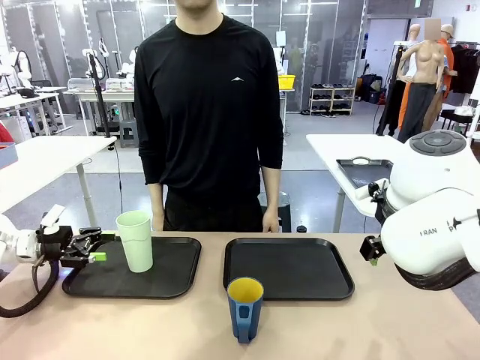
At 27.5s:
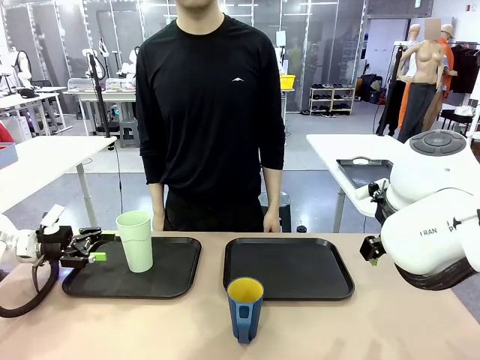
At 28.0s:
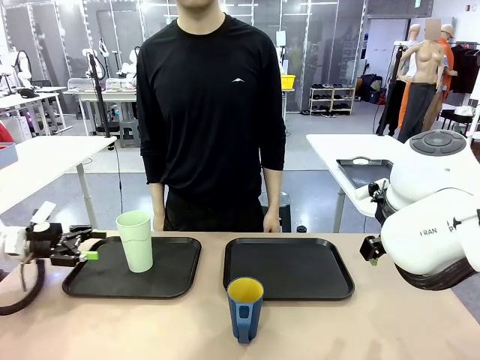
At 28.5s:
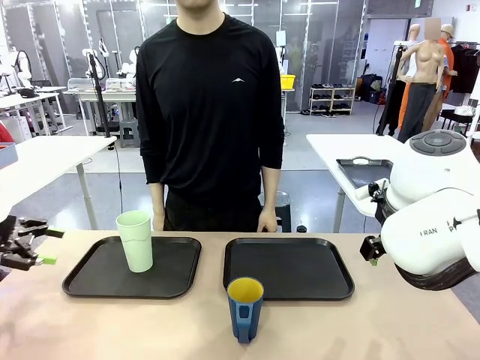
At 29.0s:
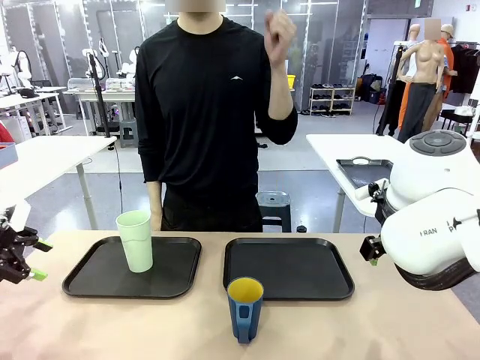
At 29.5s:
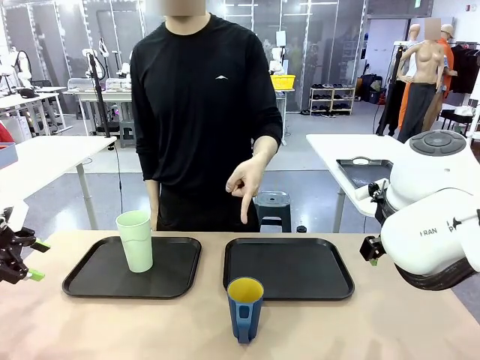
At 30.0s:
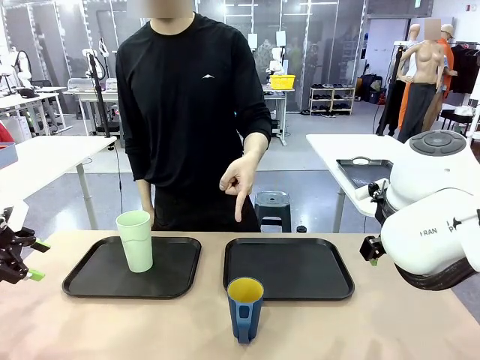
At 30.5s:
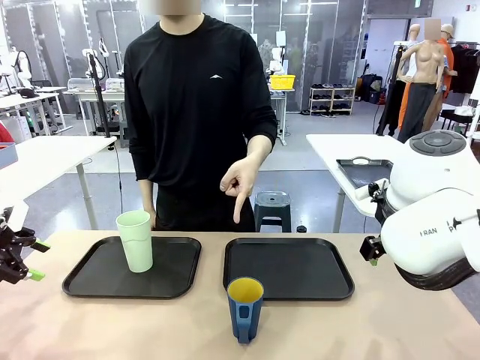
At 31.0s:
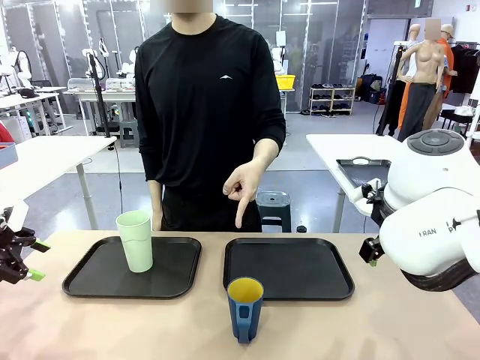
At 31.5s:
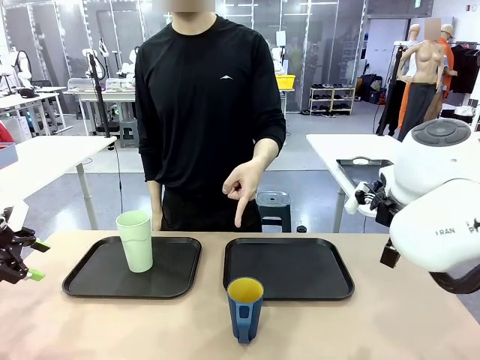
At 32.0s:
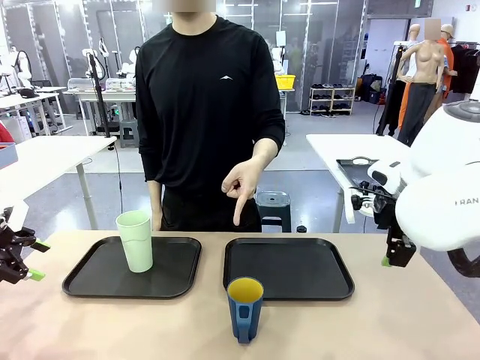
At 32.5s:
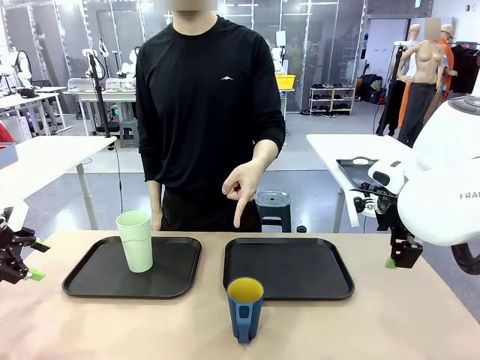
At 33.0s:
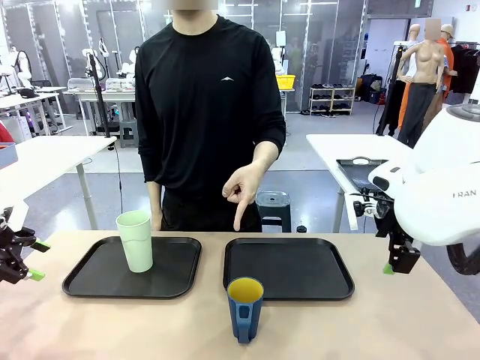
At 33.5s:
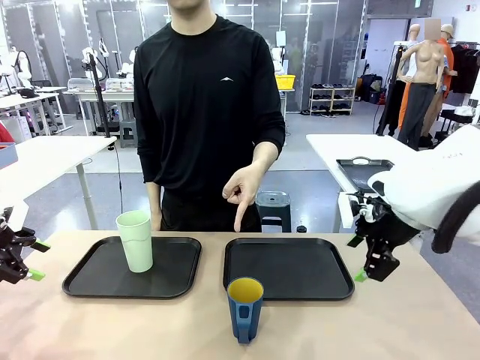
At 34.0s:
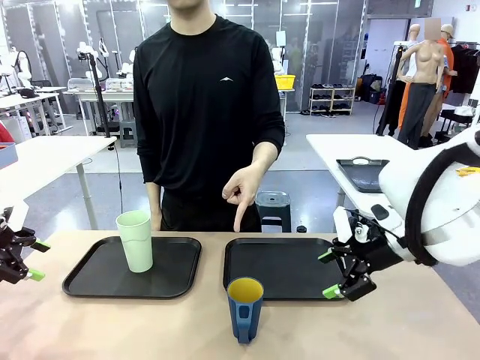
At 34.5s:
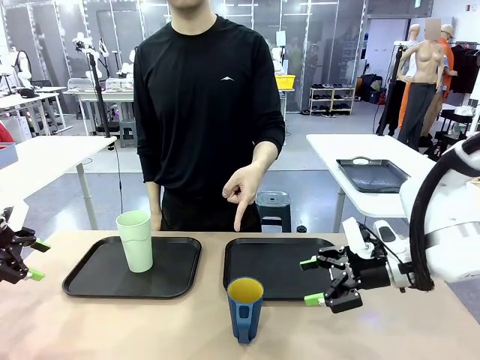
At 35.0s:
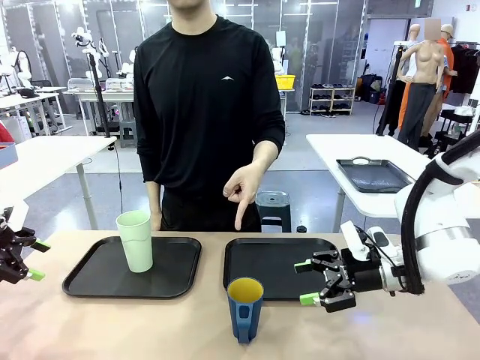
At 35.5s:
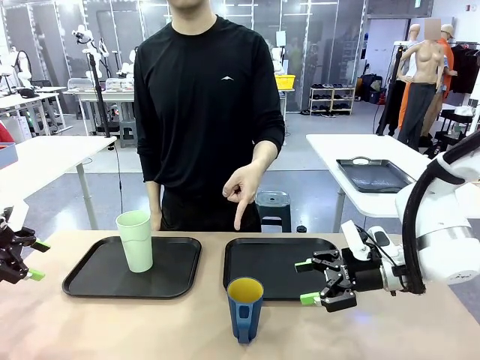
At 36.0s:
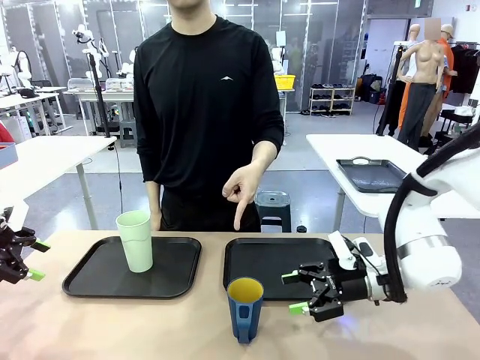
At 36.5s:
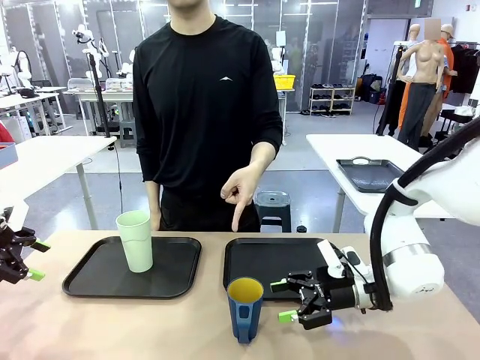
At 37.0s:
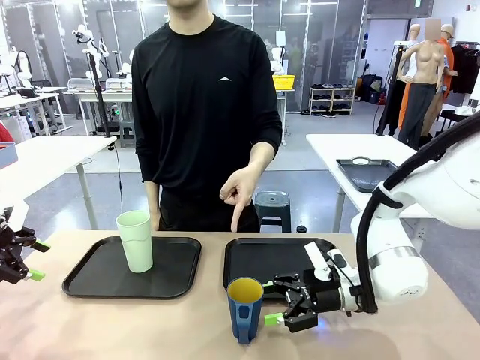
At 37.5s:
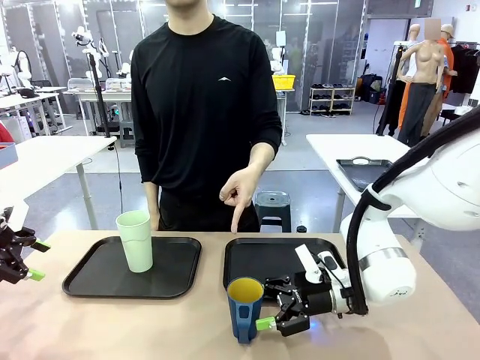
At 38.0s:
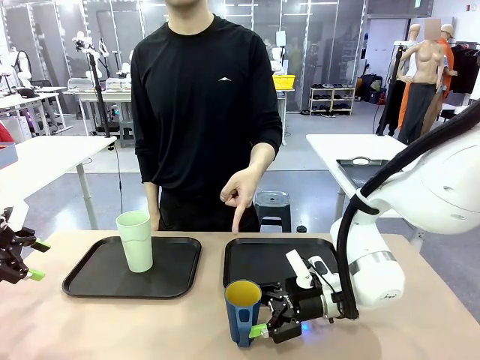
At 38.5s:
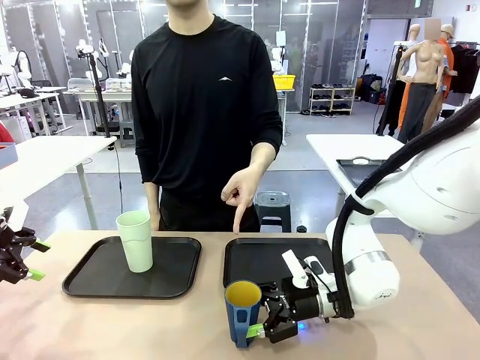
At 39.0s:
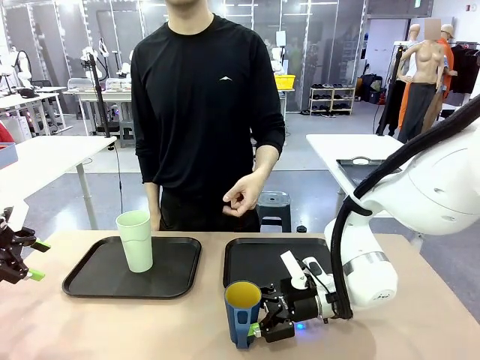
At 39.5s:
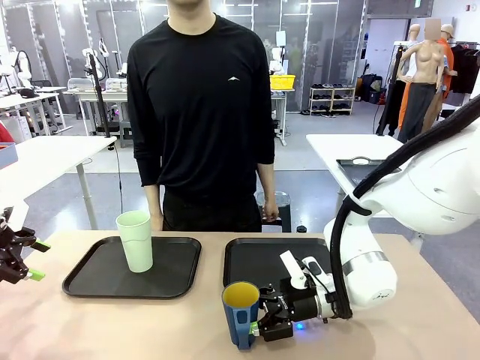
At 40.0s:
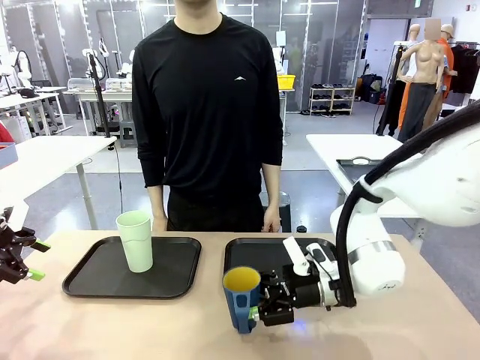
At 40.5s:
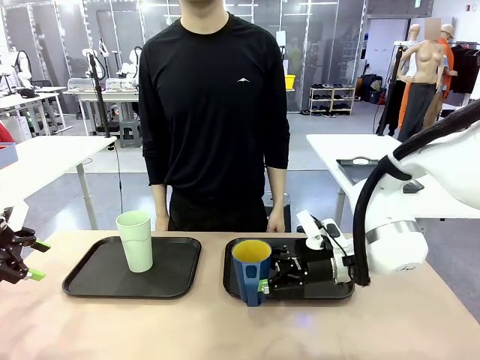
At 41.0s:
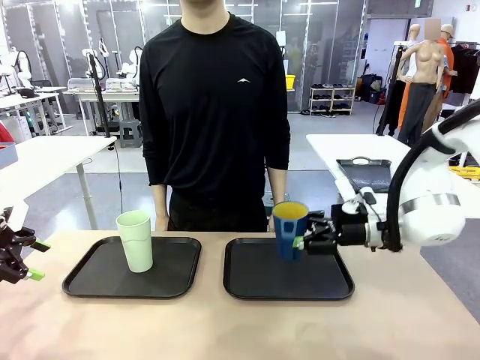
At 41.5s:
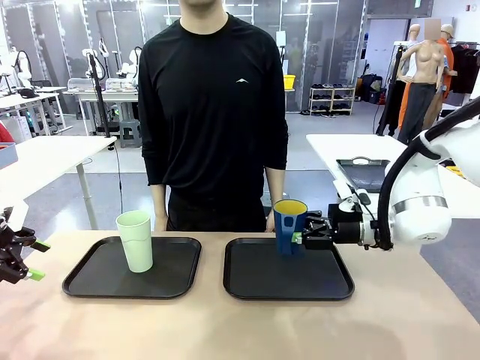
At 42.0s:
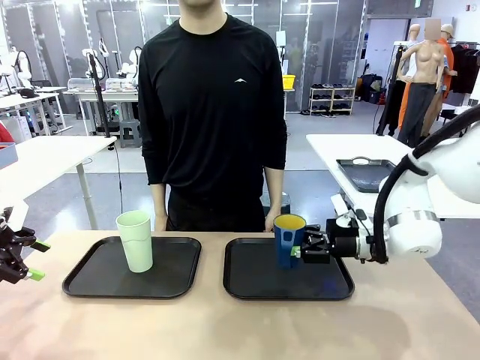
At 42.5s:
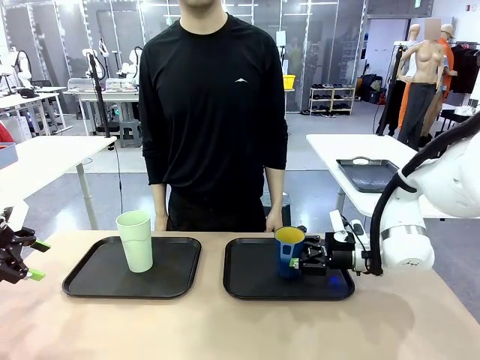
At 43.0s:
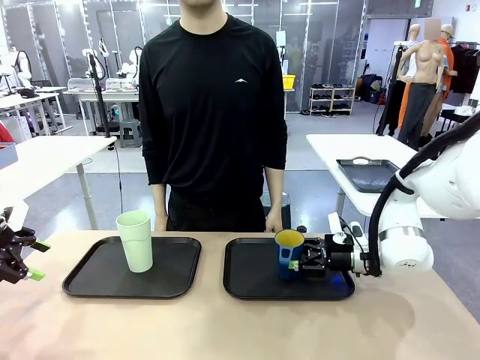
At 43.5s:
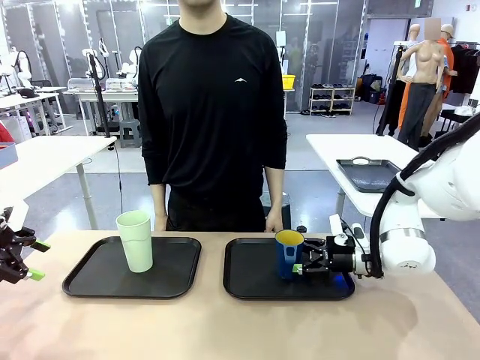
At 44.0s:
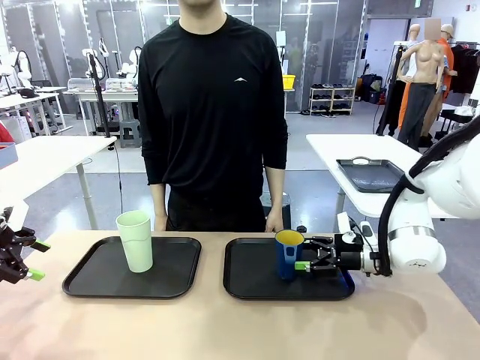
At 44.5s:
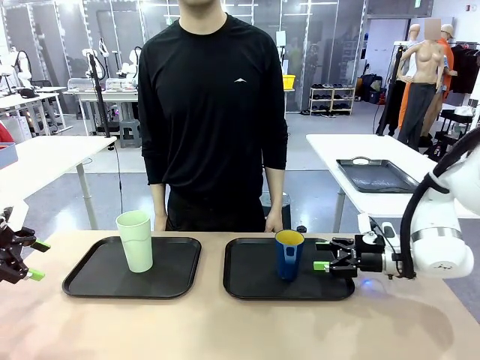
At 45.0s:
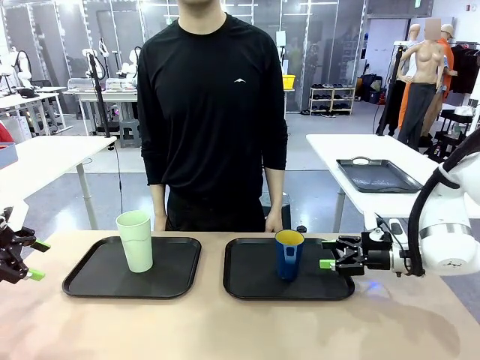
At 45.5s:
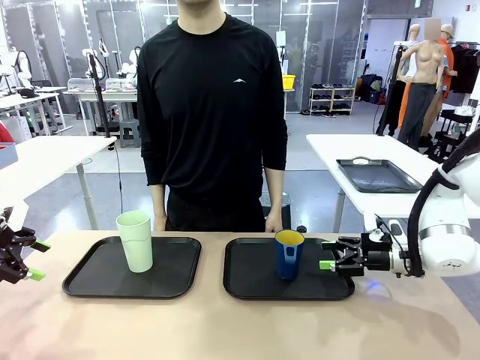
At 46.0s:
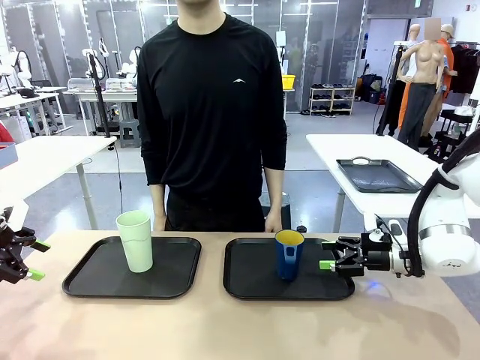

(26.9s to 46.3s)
Task: Sort and store the cups by type.
Robot: Pick up the Handle plastic cup and place it into the empty Flat Tray.
Person: Points to the cup with a handle.
